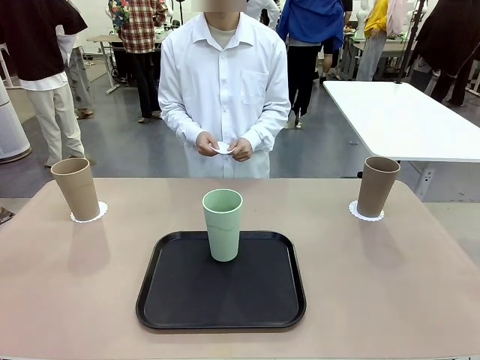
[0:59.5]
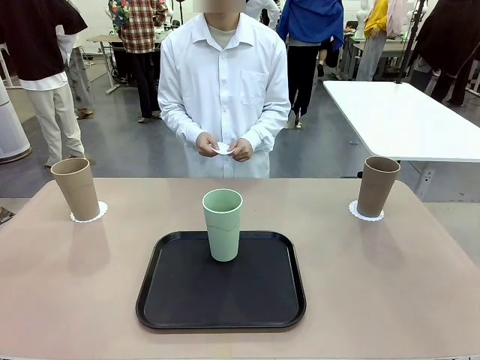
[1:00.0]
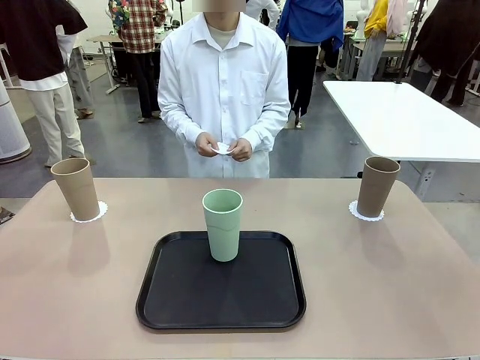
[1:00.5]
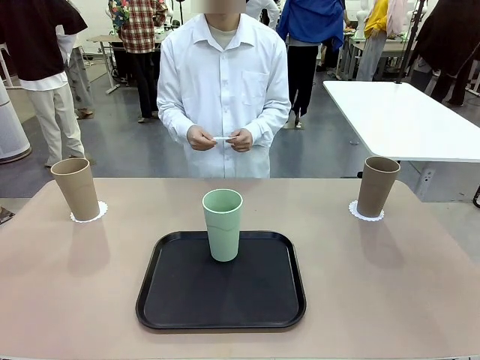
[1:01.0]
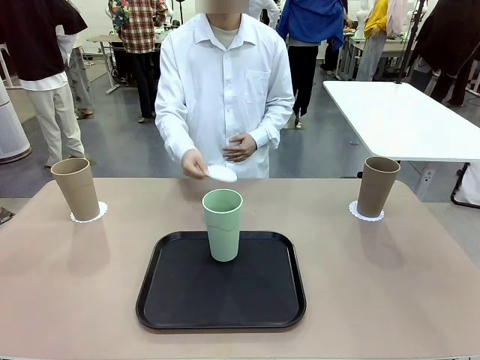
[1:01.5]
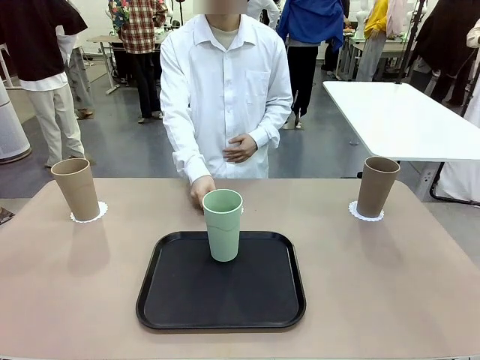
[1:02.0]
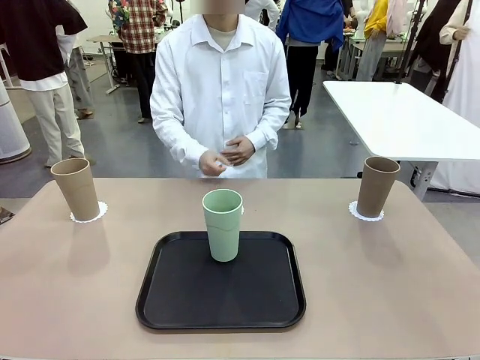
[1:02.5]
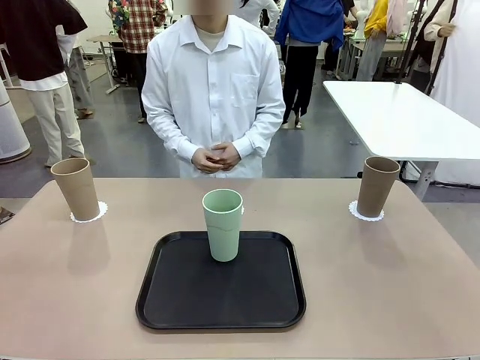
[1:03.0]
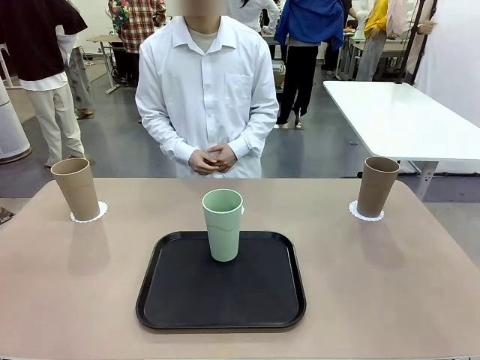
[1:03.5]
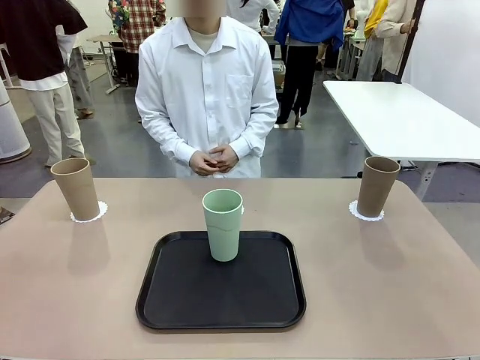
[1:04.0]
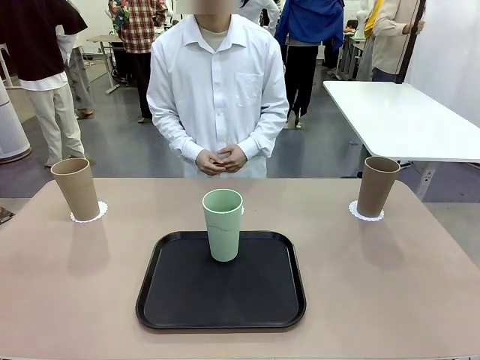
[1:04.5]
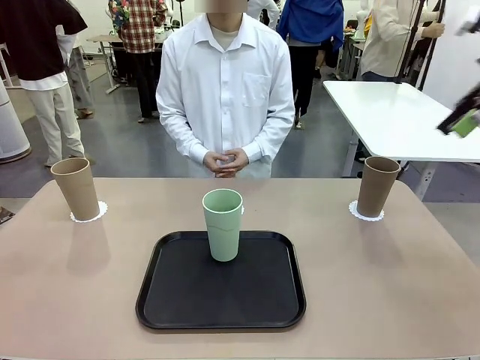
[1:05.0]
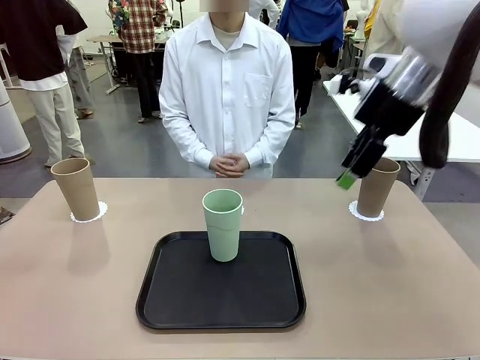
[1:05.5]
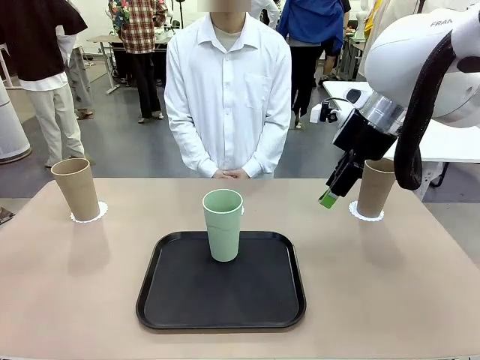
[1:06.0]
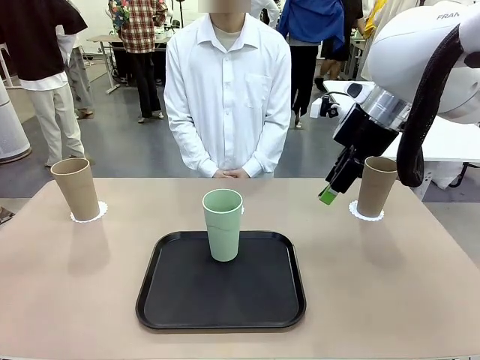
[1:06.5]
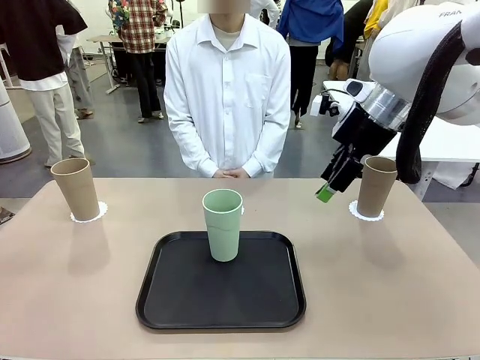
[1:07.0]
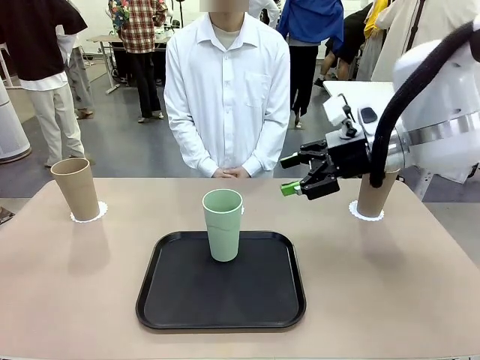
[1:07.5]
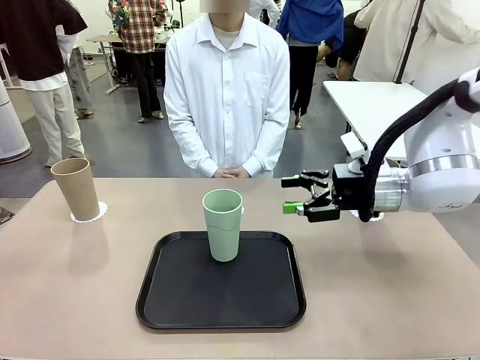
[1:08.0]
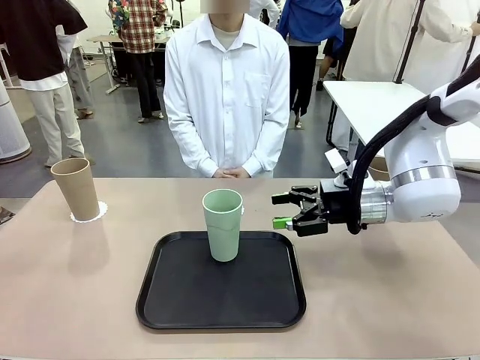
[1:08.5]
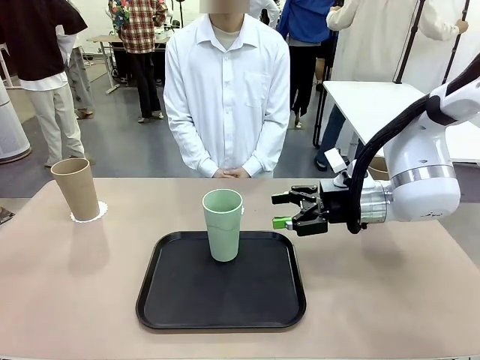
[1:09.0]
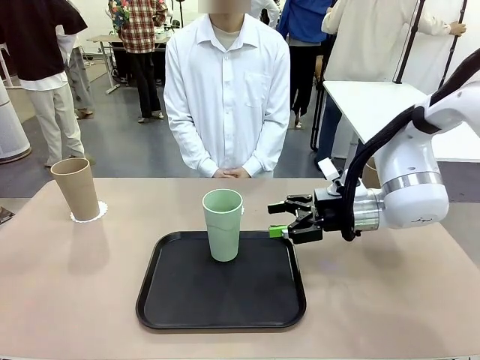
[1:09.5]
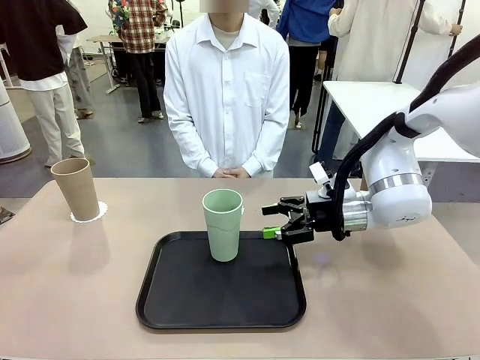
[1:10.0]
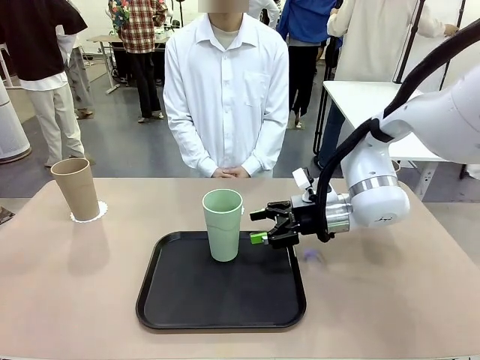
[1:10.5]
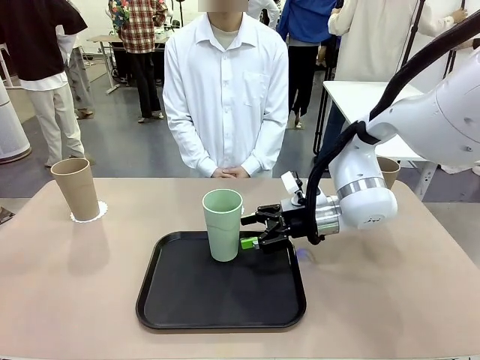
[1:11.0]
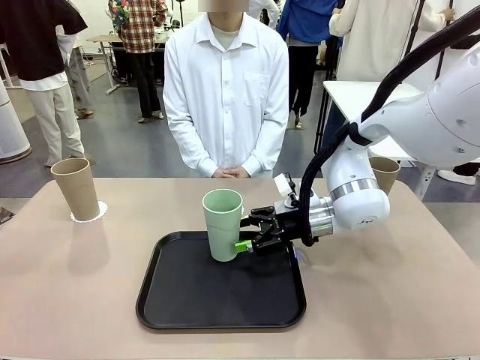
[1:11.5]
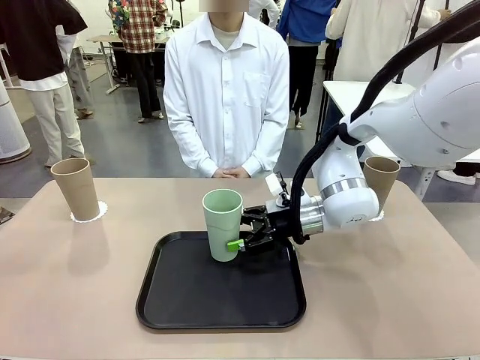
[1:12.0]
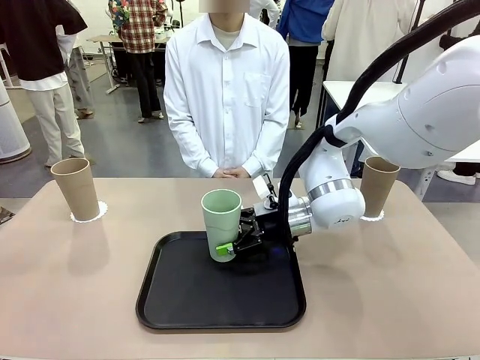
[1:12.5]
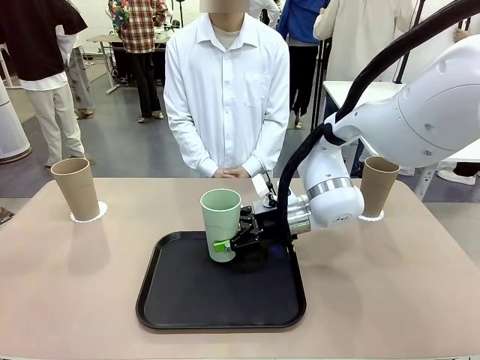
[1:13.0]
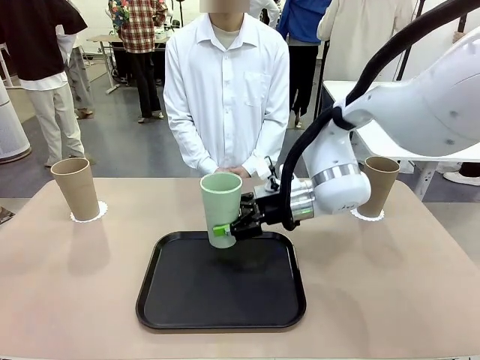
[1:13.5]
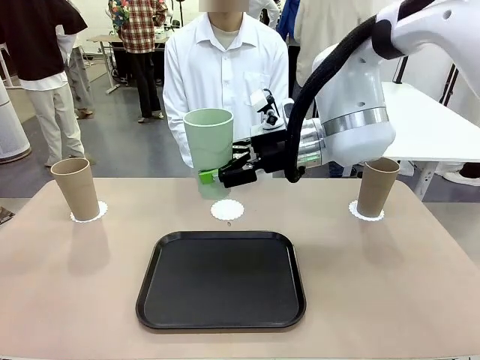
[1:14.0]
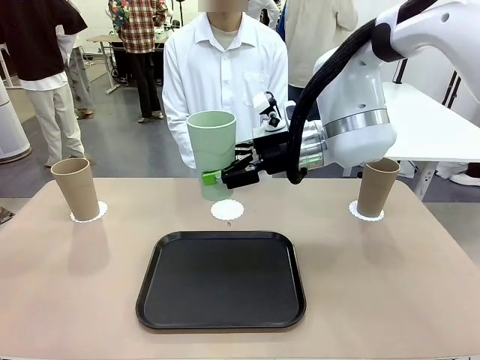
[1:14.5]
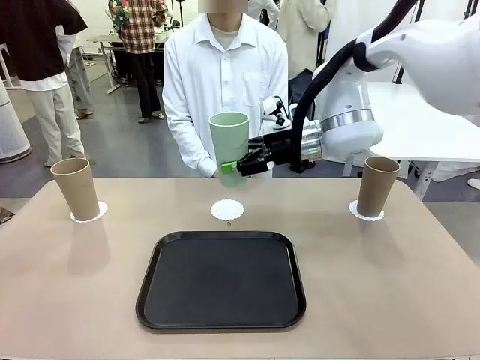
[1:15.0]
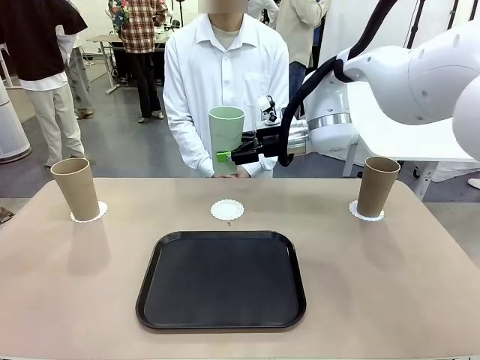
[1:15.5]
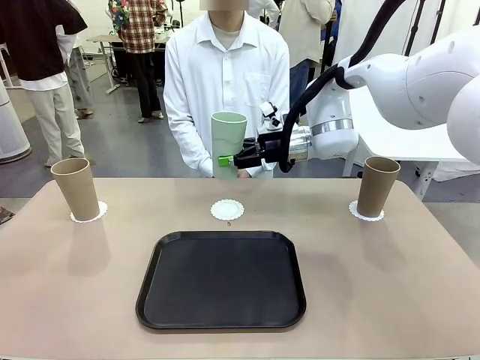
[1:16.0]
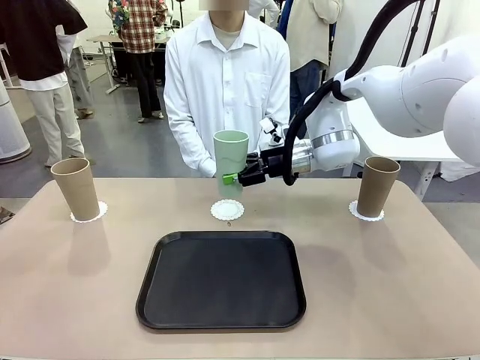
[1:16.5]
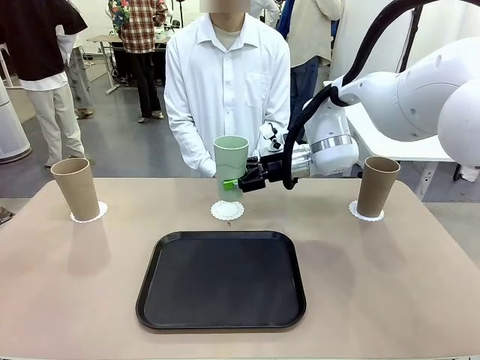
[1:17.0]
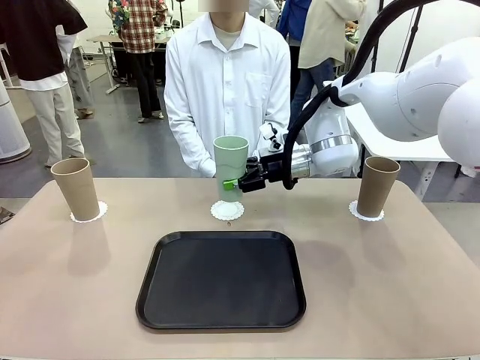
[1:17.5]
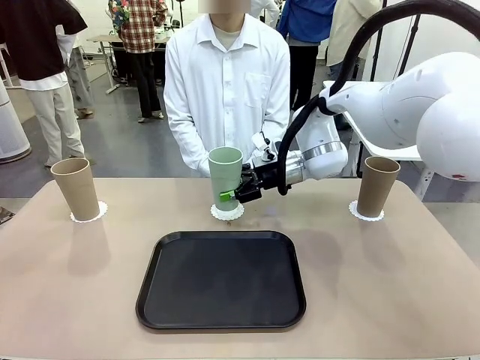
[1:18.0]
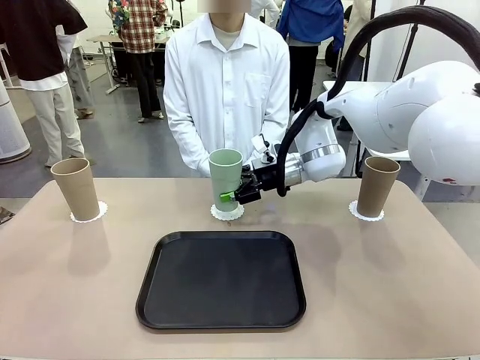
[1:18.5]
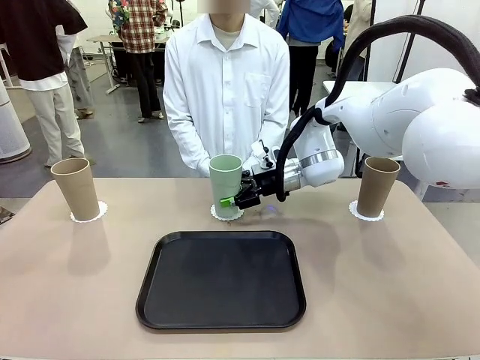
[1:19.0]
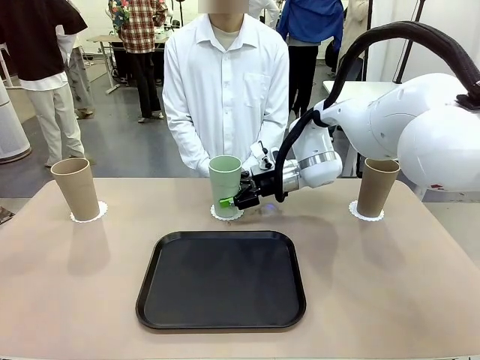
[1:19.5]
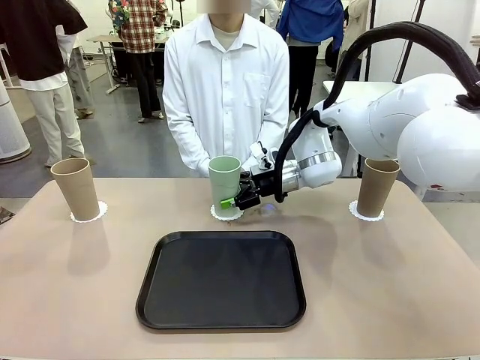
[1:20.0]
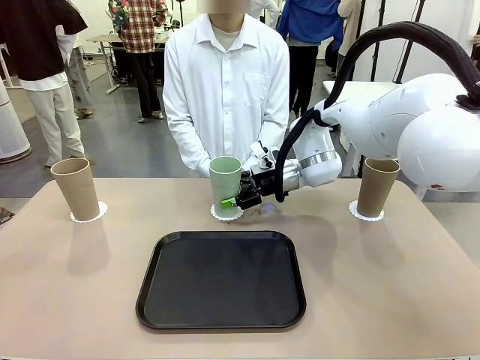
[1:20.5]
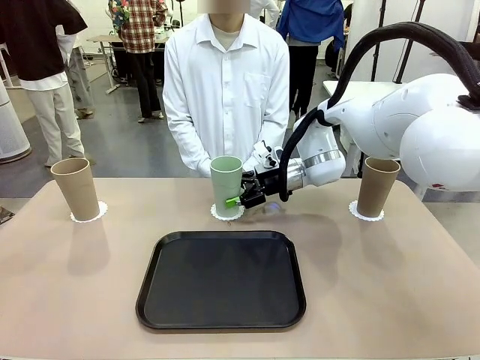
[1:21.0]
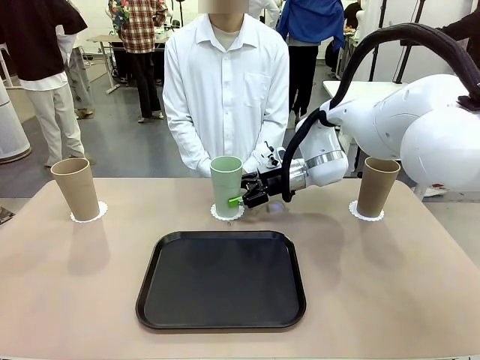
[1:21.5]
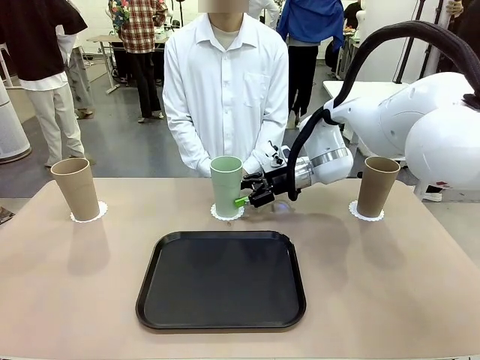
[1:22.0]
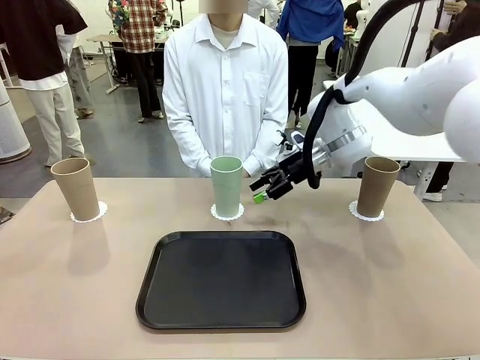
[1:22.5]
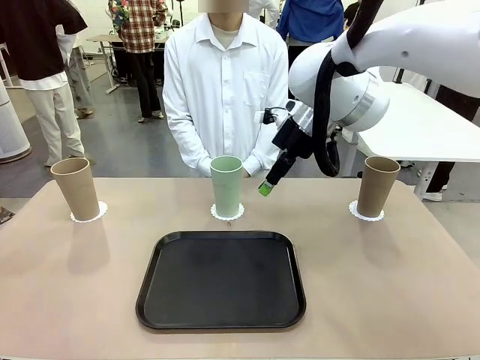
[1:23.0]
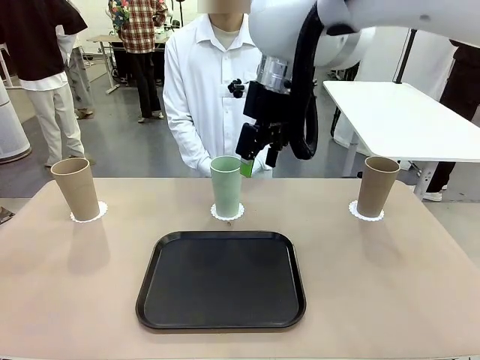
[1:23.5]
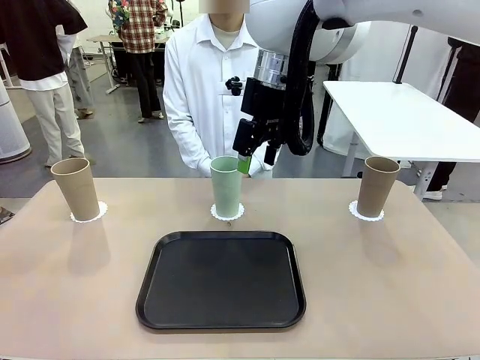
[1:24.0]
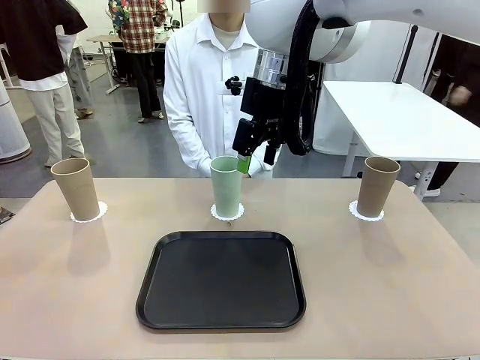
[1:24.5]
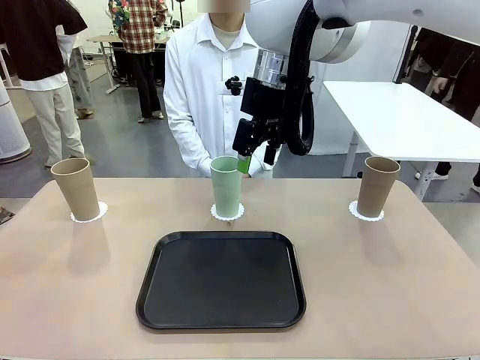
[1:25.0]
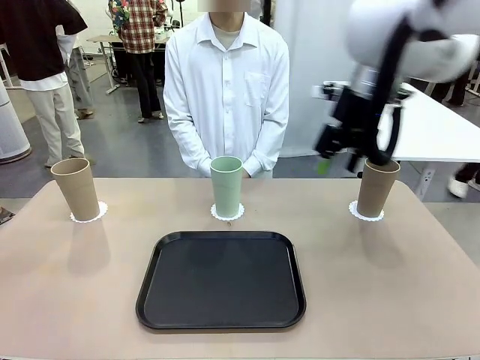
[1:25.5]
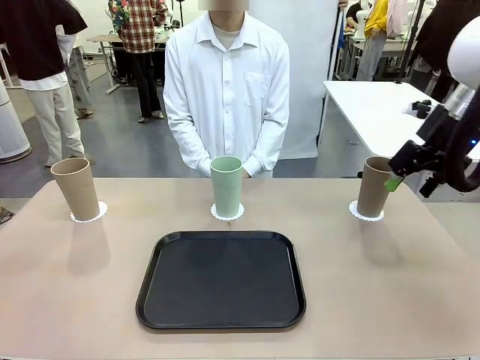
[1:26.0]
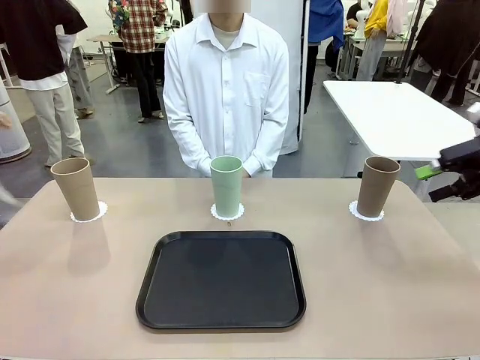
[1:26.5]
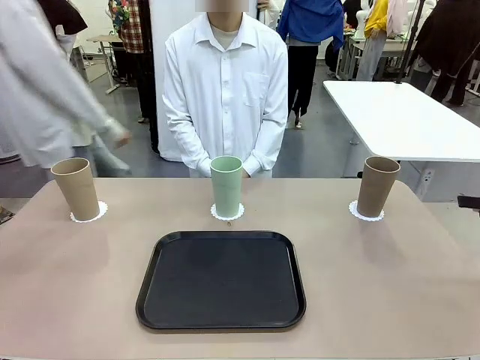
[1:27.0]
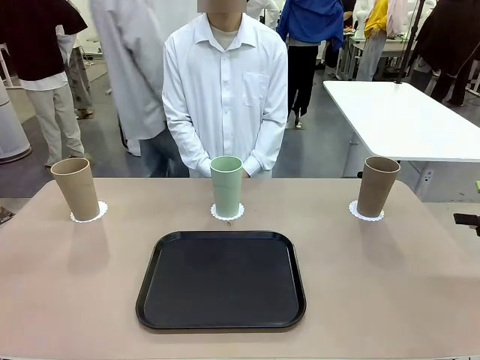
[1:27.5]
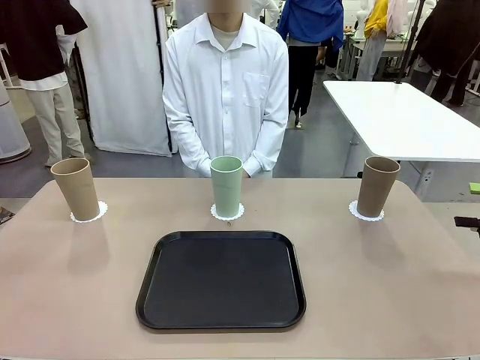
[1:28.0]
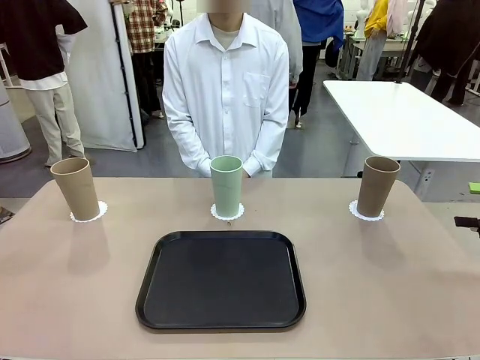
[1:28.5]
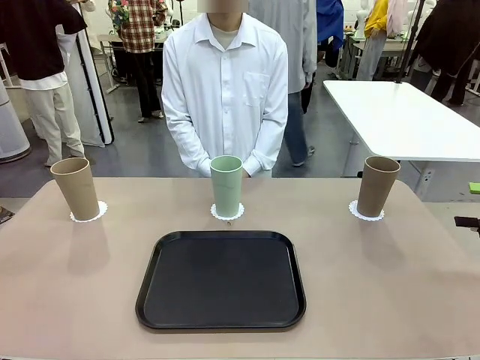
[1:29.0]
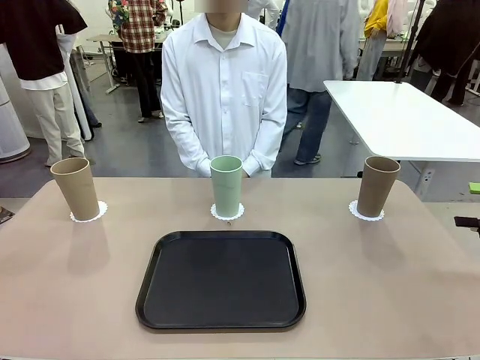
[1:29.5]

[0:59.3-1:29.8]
Task: Place coasters on the table and set cups on them.
Robot: Take one Reusable plastic cup from the Flat Tray and place it on a coaster set by the human.
Person: Place one coaster in the only remaining area.
